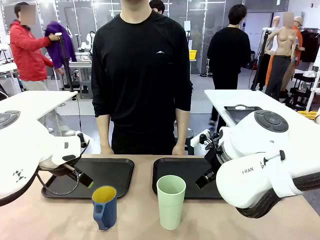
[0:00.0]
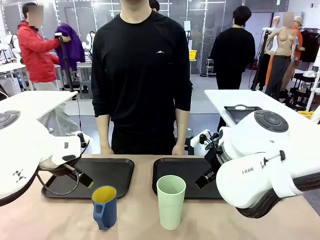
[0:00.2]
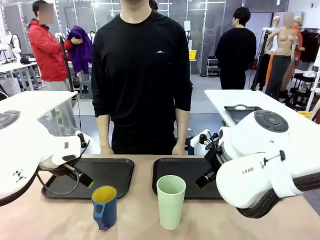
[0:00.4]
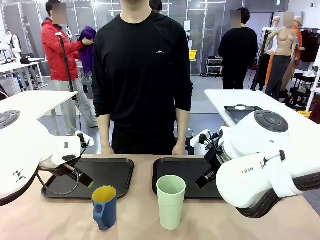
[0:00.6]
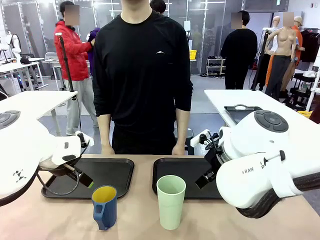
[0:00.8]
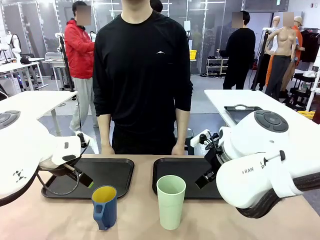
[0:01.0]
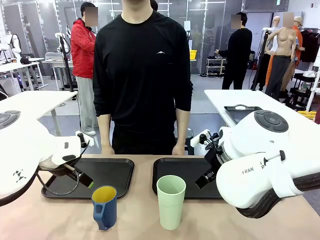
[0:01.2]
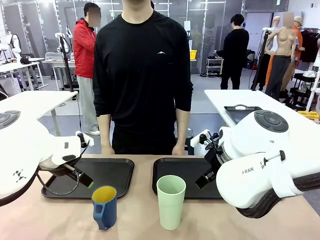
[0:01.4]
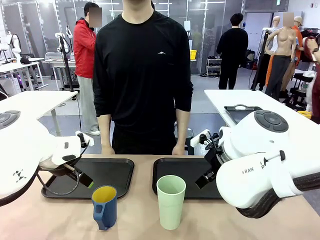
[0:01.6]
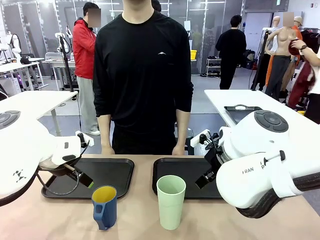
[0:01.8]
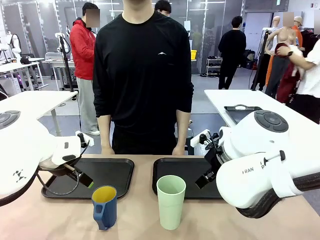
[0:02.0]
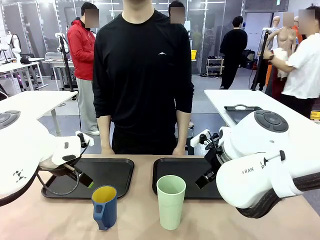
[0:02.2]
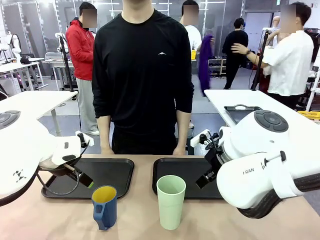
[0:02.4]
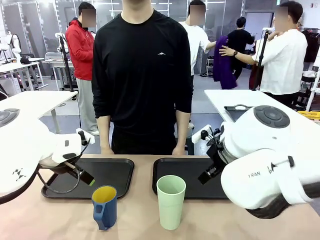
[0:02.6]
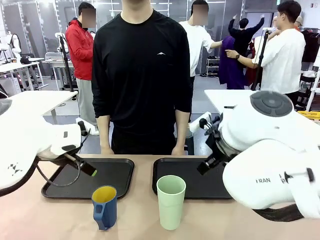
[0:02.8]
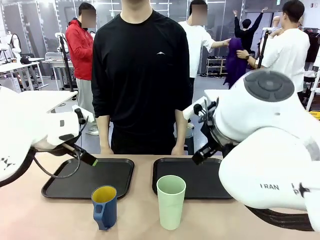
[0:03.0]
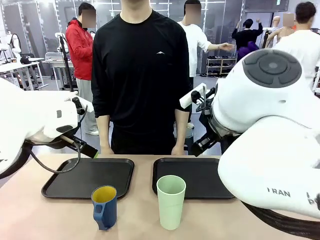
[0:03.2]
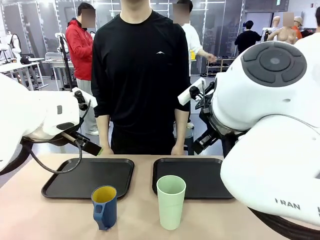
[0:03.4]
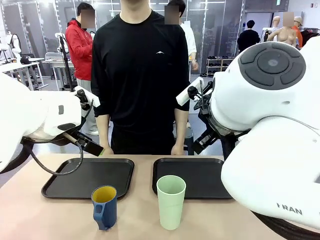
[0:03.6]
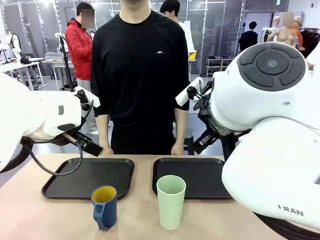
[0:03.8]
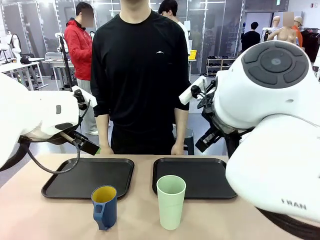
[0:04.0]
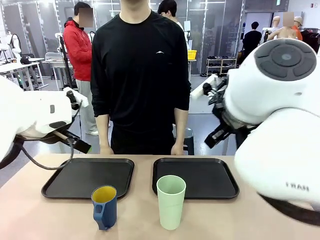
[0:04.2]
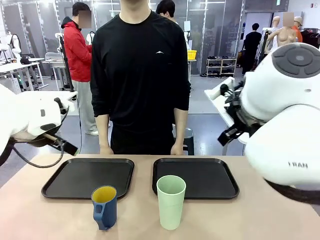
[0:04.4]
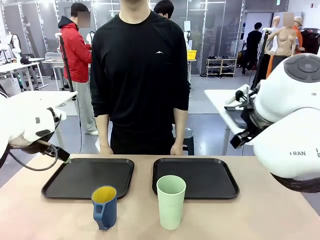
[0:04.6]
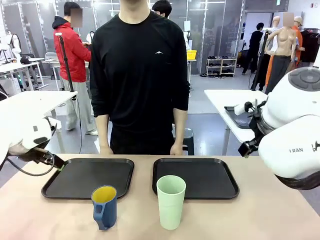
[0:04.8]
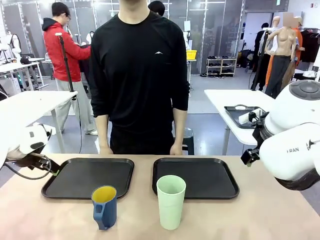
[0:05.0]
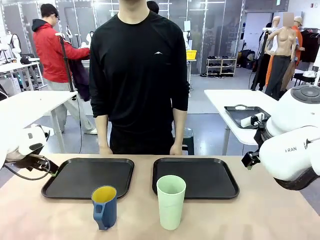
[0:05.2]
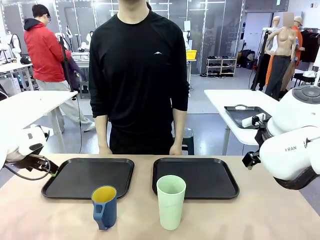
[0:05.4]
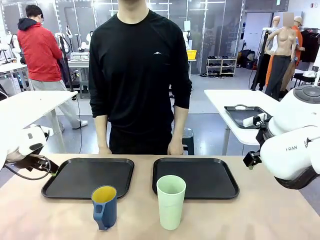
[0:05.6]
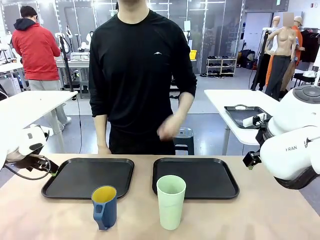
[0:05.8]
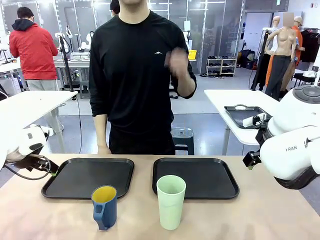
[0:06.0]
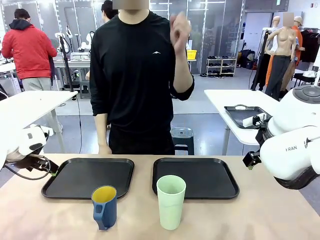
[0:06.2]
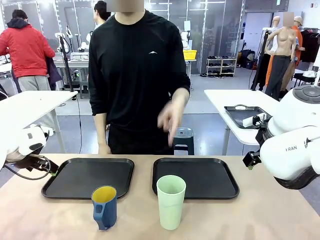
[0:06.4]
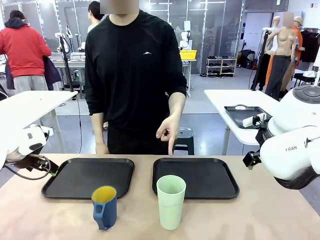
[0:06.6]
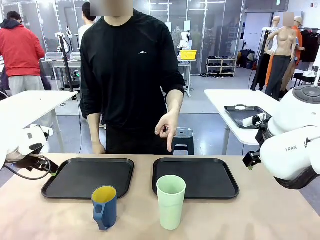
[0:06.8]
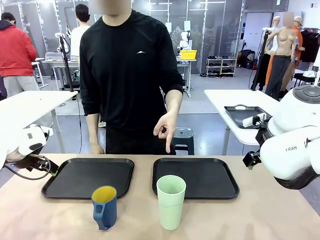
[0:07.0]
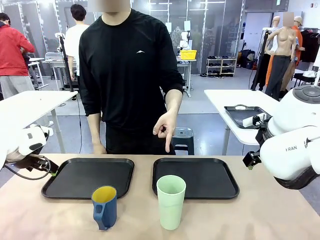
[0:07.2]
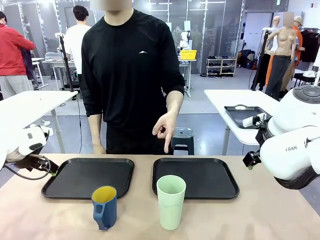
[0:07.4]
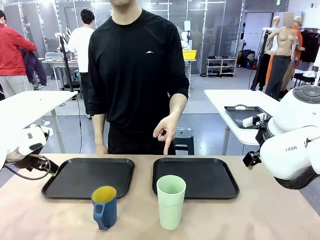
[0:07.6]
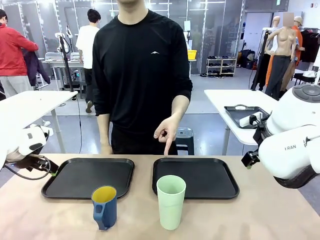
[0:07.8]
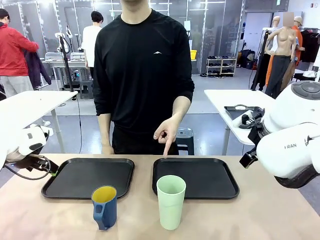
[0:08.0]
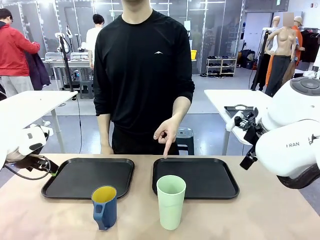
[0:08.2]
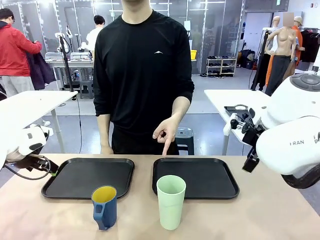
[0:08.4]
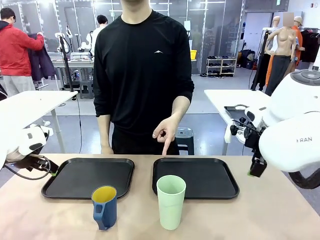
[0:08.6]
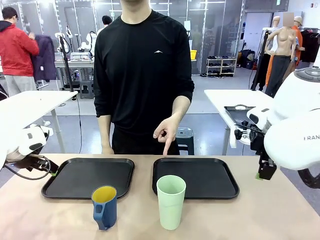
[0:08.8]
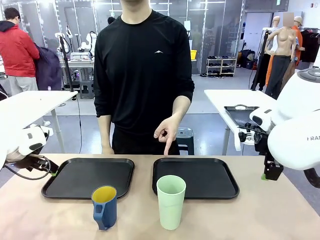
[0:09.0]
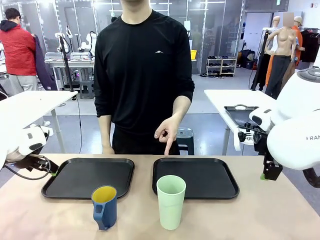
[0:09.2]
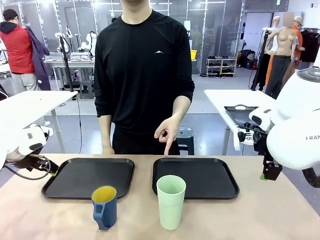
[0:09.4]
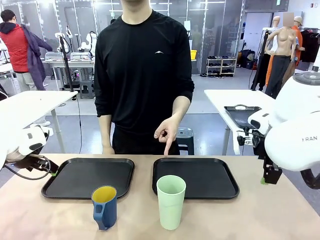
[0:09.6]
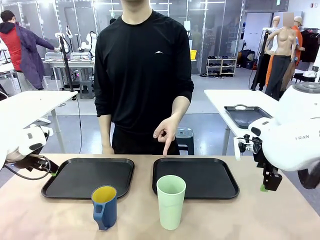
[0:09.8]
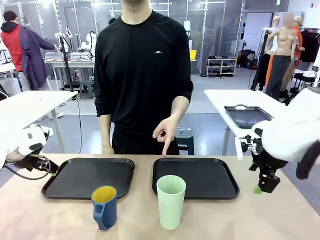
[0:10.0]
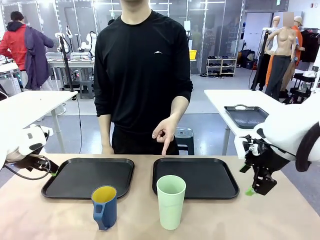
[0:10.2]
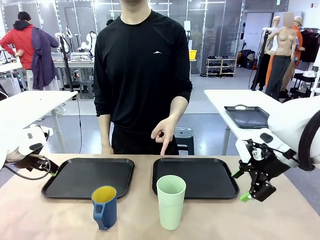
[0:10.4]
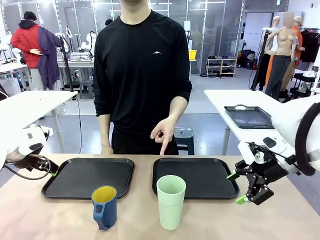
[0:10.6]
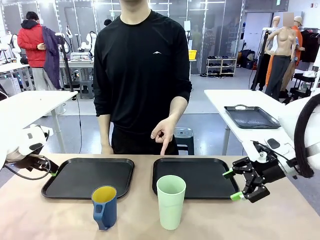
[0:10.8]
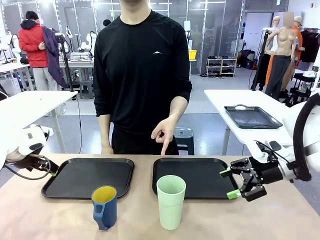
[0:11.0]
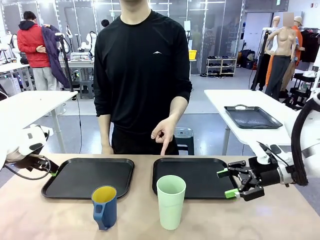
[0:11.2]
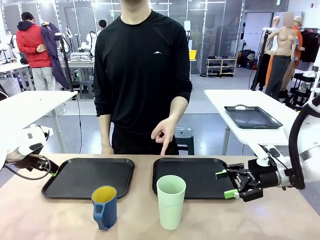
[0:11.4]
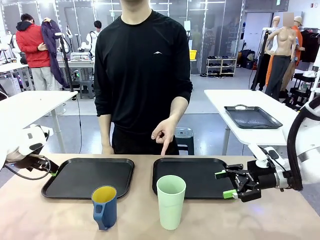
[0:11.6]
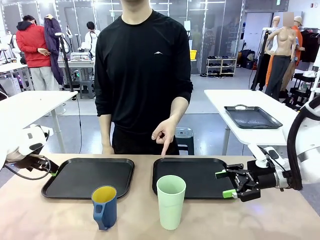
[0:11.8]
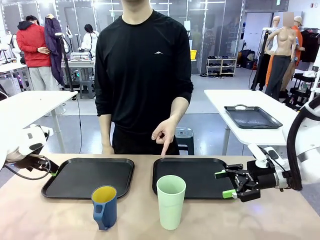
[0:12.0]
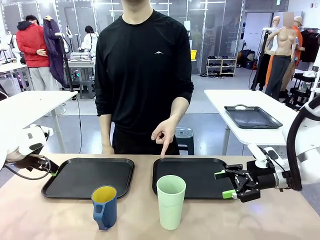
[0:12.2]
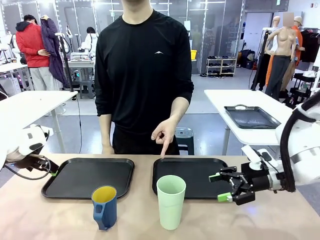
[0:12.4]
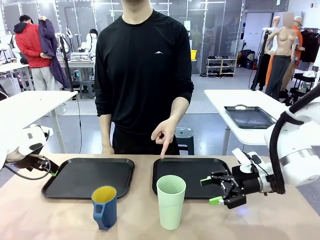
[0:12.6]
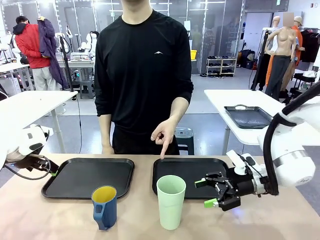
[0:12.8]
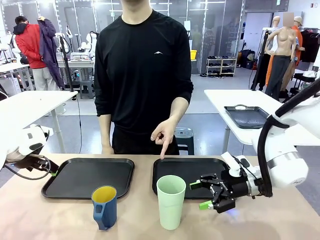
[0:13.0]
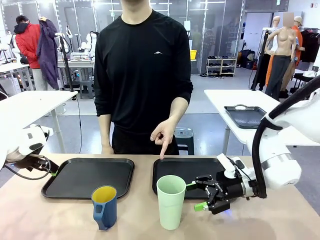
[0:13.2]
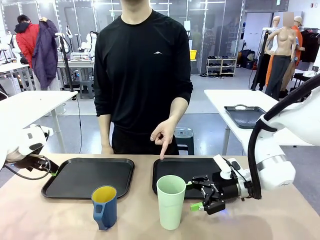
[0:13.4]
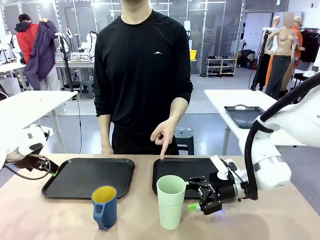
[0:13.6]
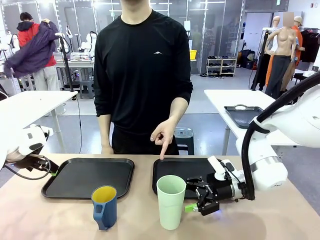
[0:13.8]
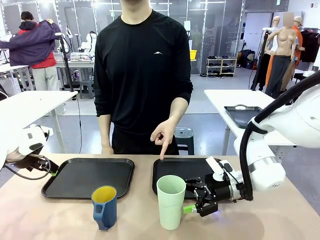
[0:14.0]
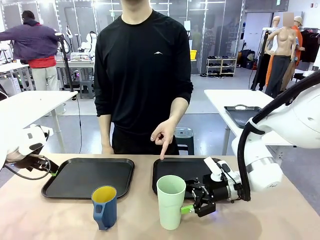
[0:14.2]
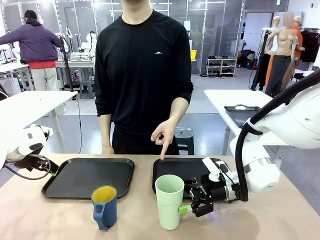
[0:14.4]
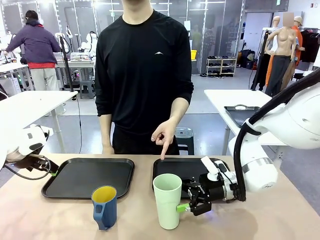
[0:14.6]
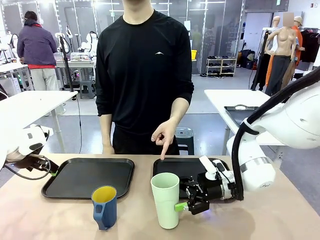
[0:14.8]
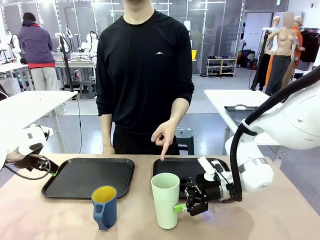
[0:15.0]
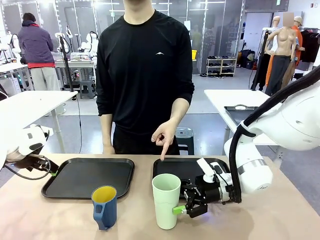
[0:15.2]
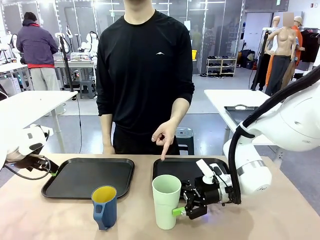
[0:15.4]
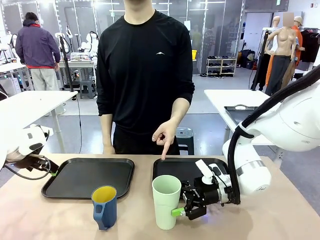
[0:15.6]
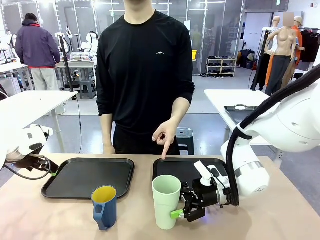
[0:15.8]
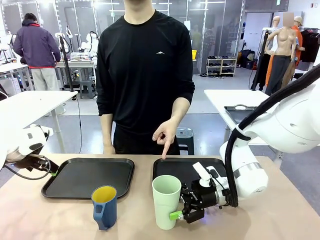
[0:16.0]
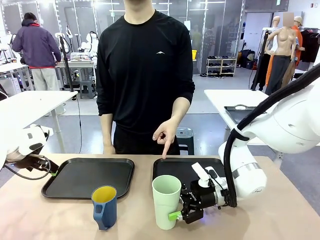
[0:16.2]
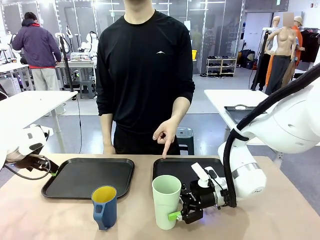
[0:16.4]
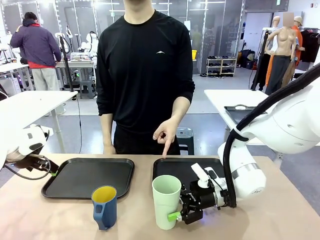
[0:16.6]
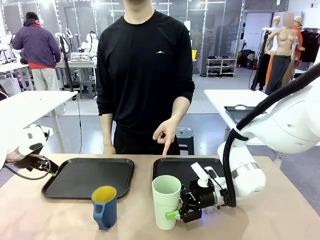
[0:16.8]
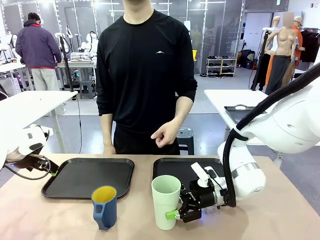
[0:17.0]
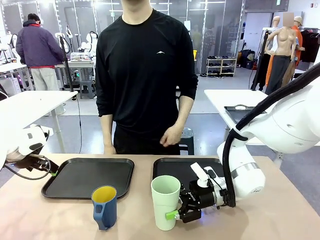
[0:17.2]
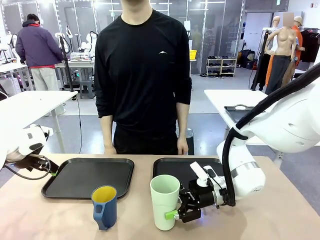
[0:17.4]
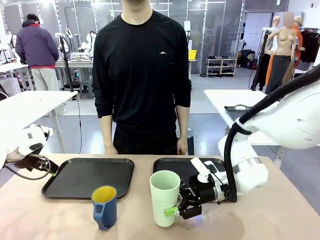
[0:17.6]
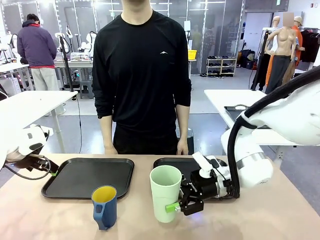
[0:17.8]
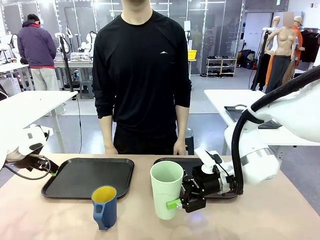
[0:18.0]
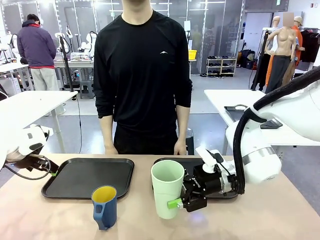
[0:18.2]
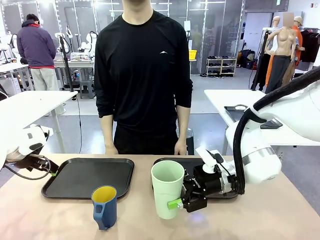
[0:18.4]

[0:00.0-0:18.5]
Task: Sort and store the cups by type.
Robot: Pick up the Reusable plastic cup.
Person: Points to the reusable cup. Point to one of the two trays.
